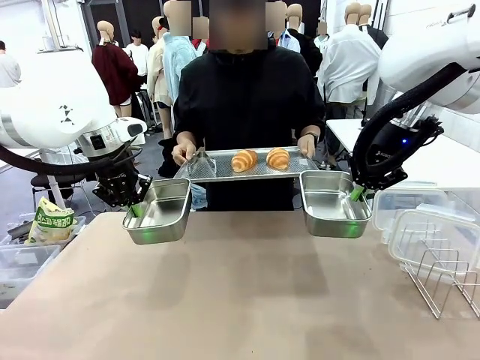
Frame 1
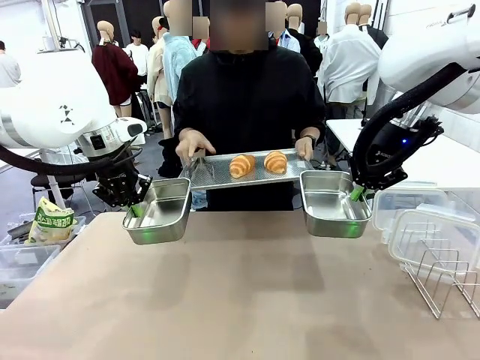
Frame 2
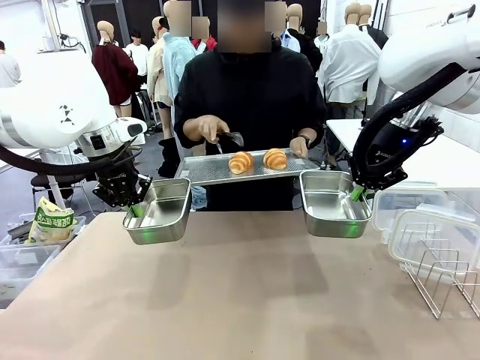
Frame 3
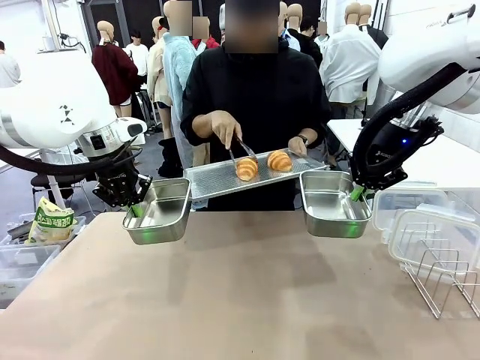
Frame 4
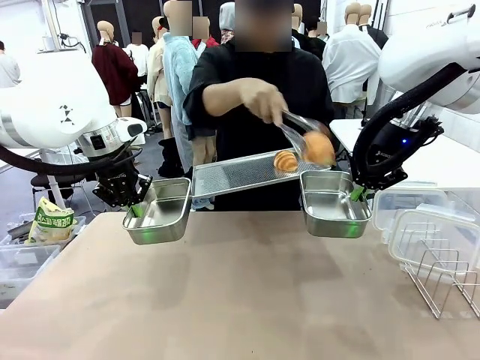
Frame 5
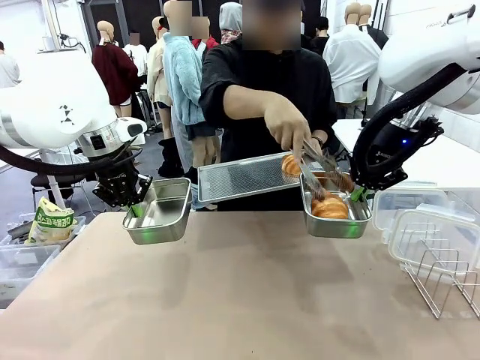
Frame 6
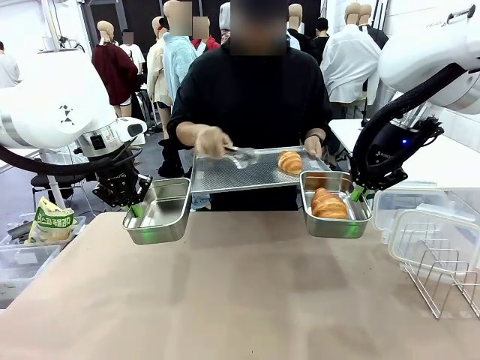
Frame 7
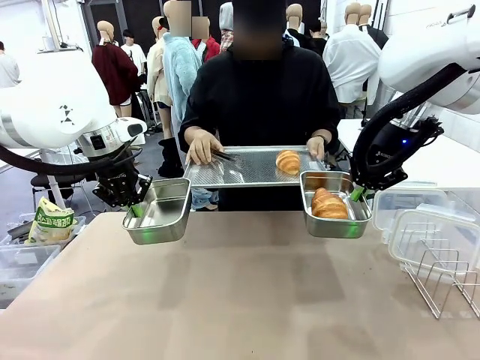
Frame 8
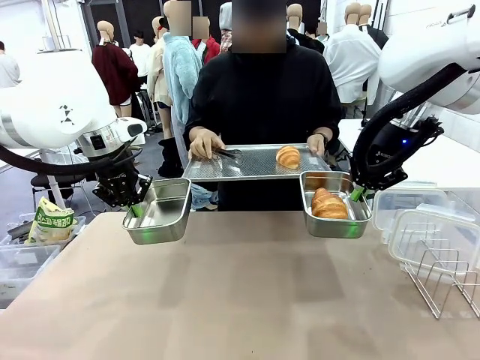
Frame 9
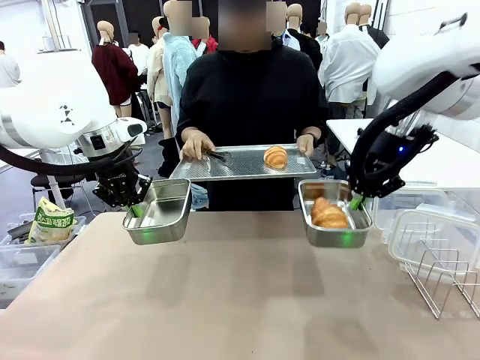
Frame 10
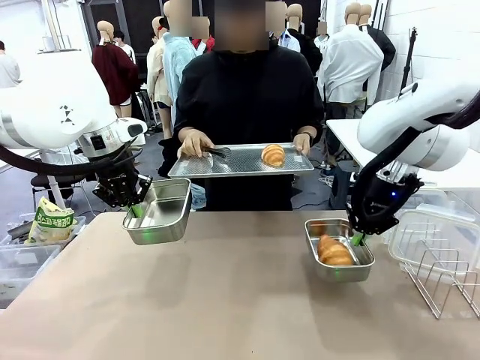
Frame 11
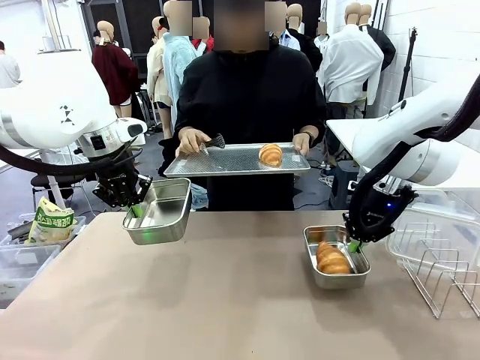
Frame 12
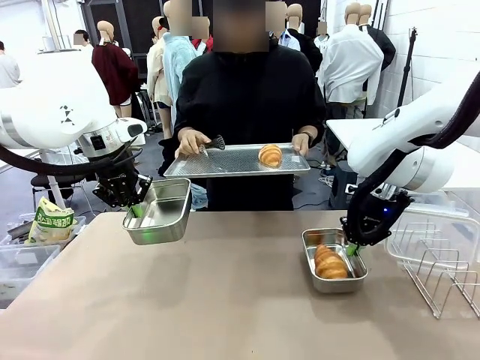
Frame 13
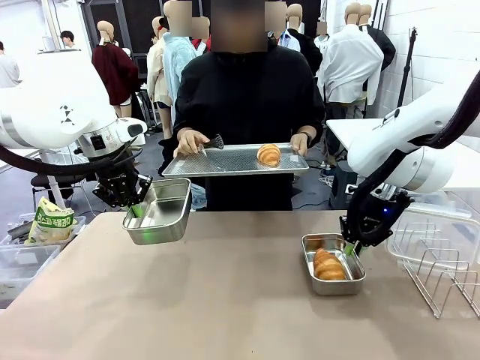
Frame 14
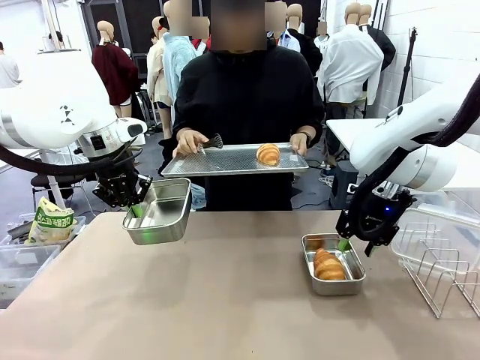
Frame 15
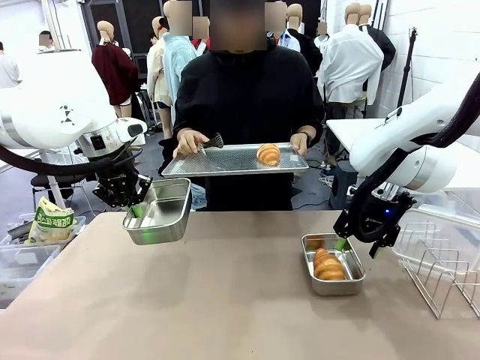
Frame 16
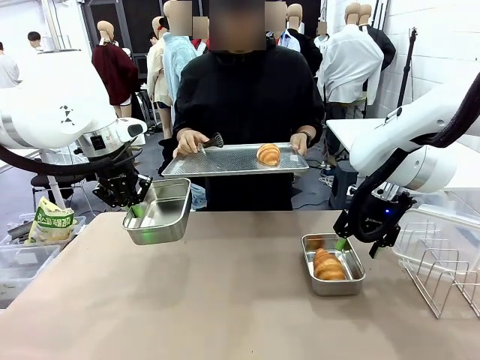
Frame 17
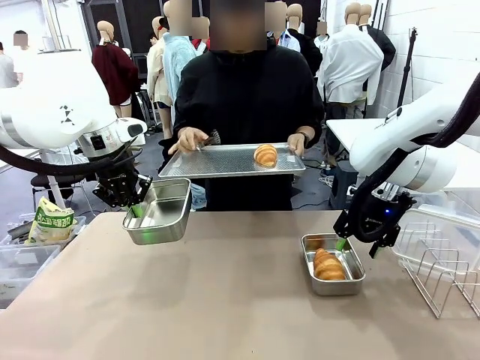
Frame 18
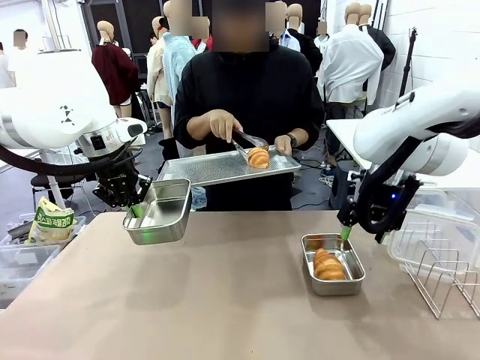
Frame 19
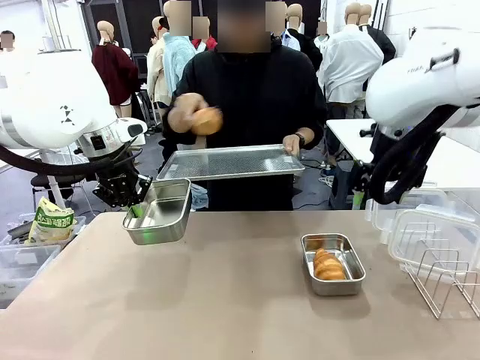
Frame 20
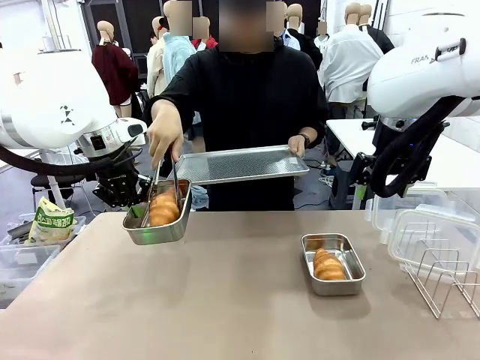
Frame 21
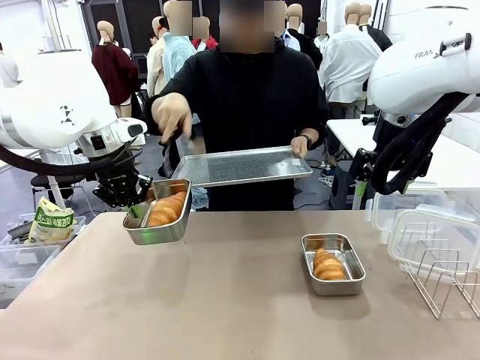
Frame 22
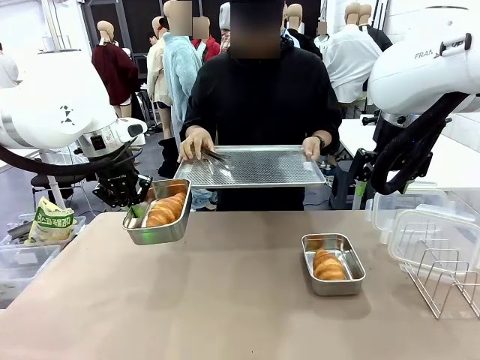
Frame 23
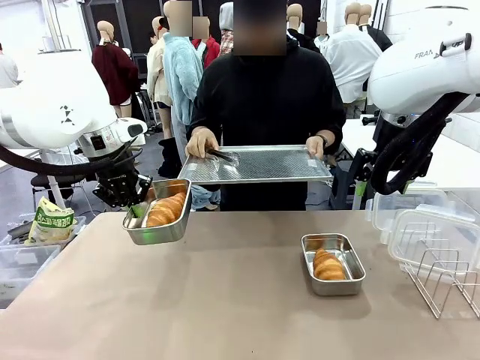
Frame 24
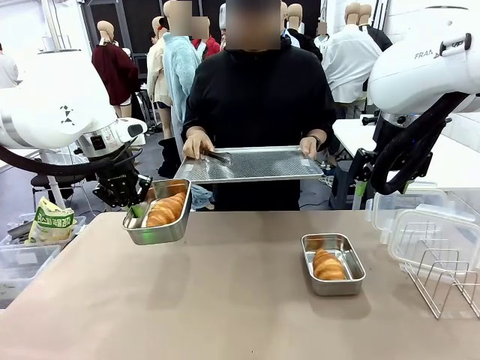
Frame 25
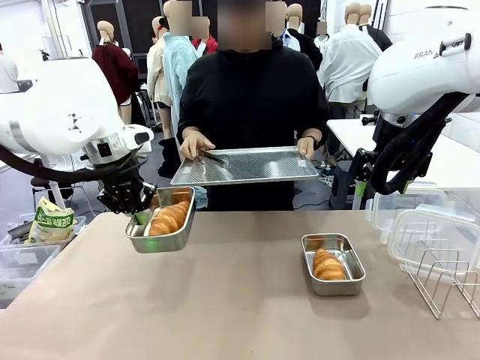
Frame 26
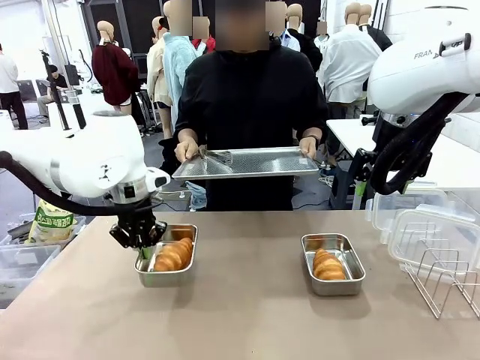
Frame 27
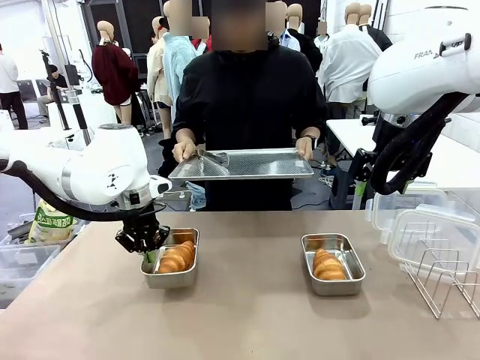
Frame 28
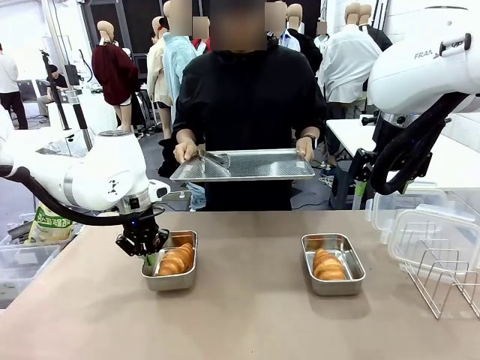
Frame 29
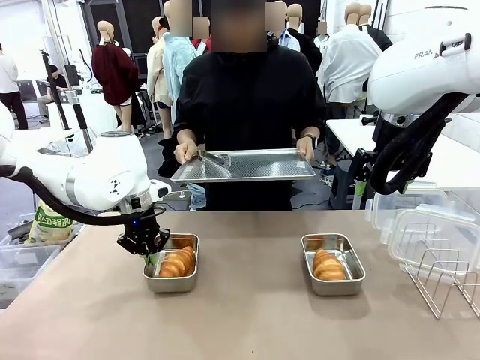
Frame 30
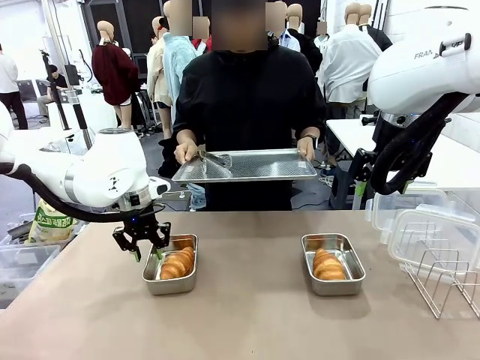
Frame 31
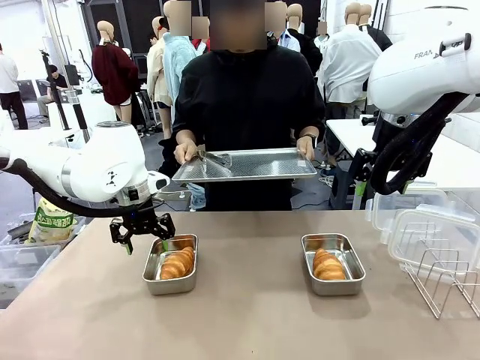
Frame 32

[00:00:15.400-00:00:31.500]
Task: Place the bread in airtight containers.
Robot: Once an object is inside an Airtight Container , place the container in the center of the table.
Person: Use the Stainless steel tongs to place one object from Baking Sheet into one Airtight Container. Place Baking Sheet on the Human's Table.

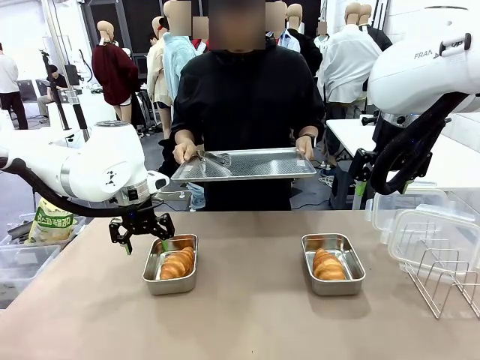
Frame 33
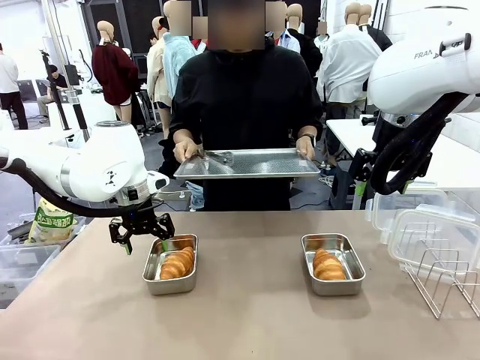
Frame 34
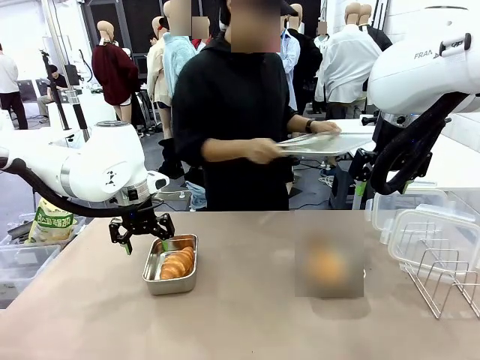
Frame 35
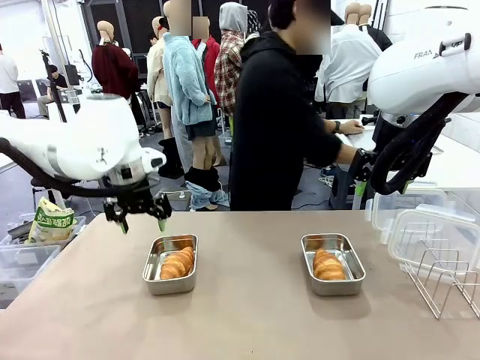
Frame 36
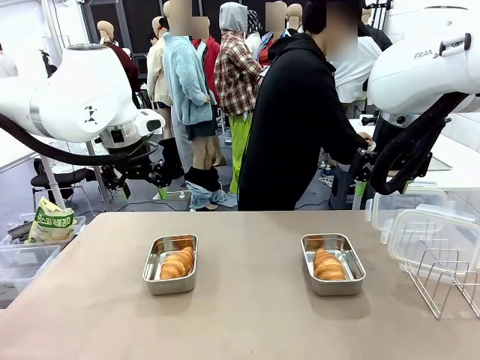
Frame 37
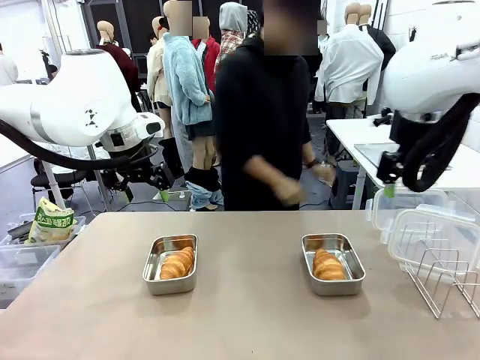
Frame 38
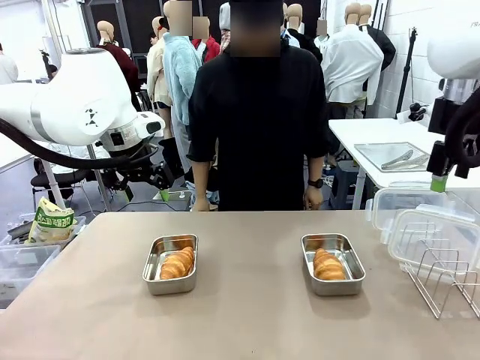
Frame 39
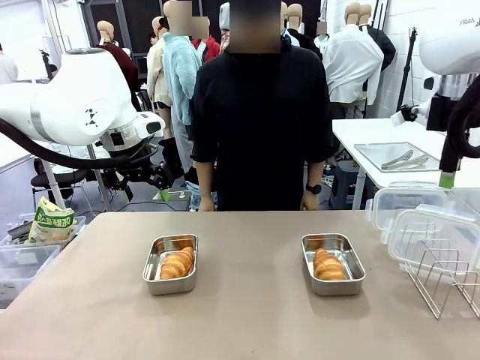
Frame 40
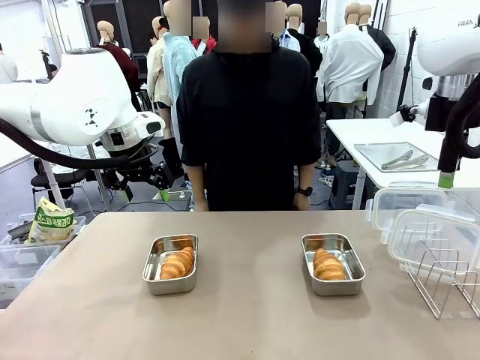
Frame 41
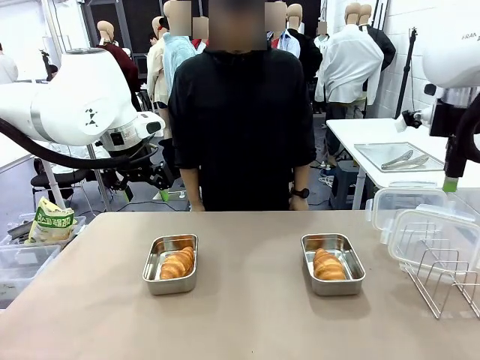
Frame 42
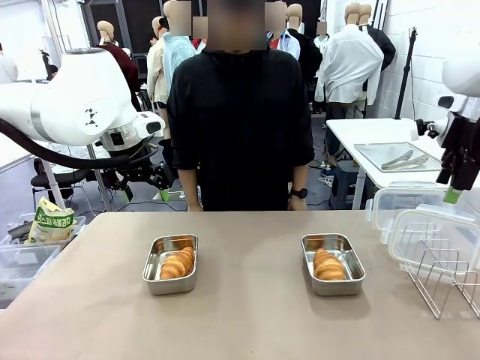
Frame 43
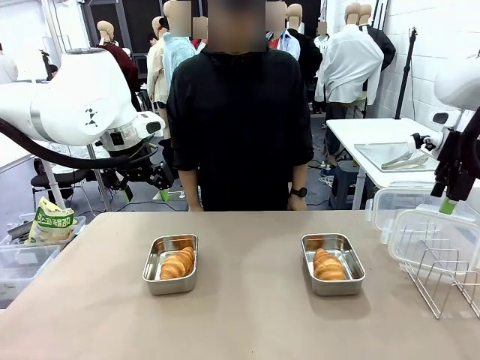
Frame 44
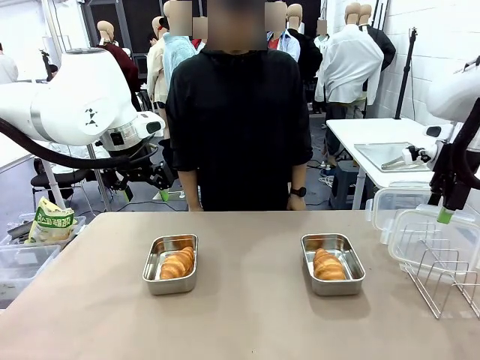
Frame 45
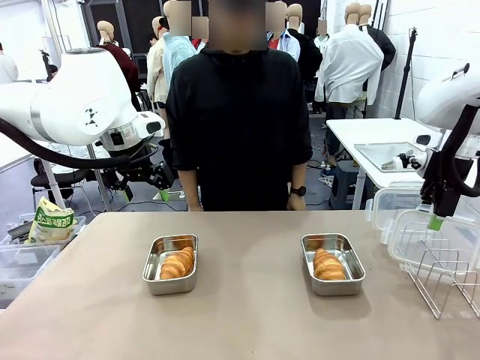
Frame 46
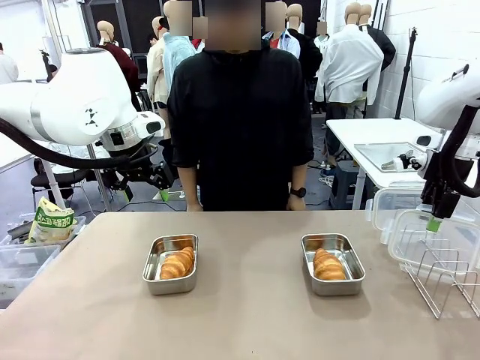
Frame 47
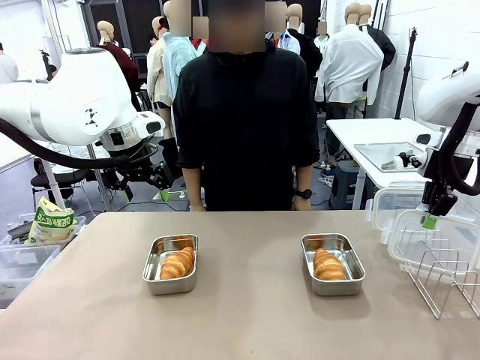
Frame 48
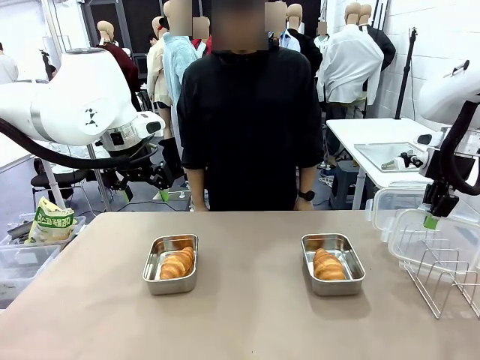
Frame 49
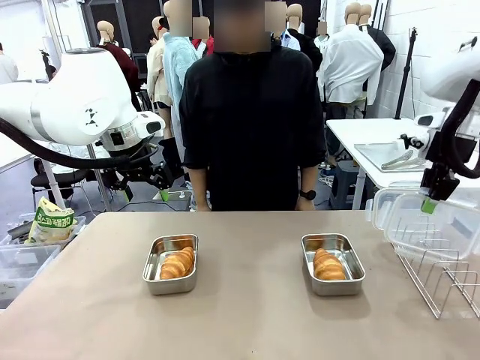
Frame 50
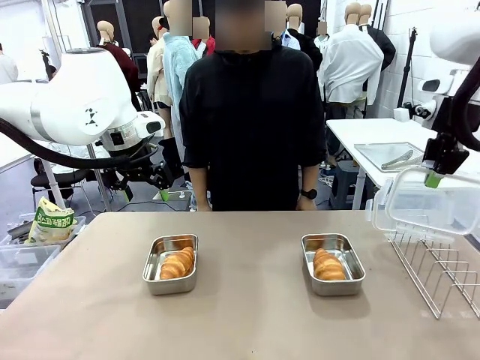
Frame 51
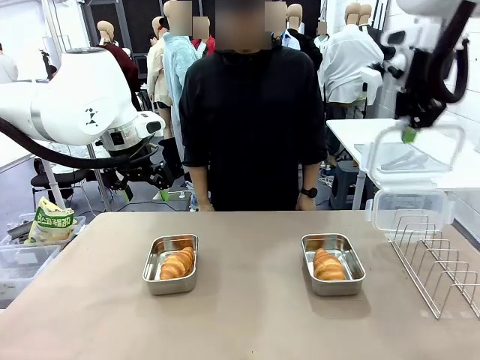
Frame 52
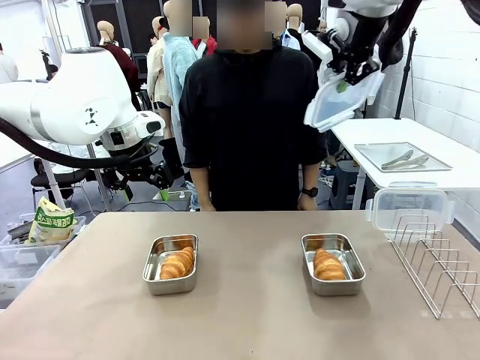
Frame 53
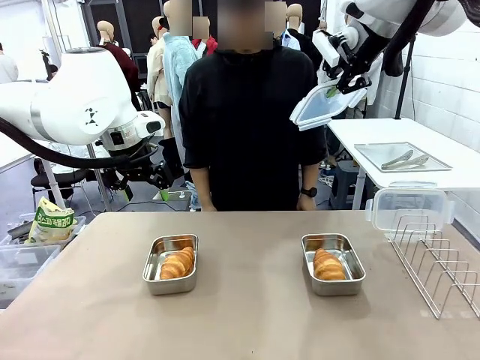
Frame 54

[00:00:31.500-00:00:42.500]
Robot: Pick up one Airtight Container lid and hand it to the human.
Person: Grip Airtight Container lid that robot is handing.
